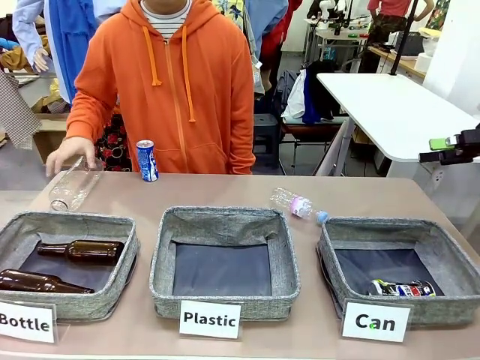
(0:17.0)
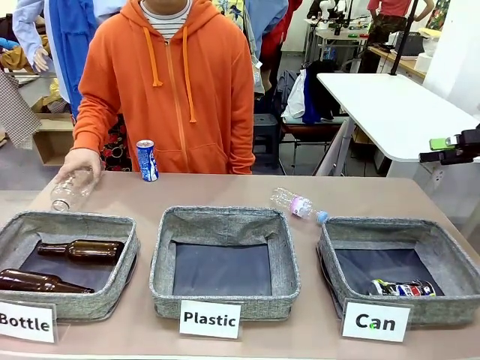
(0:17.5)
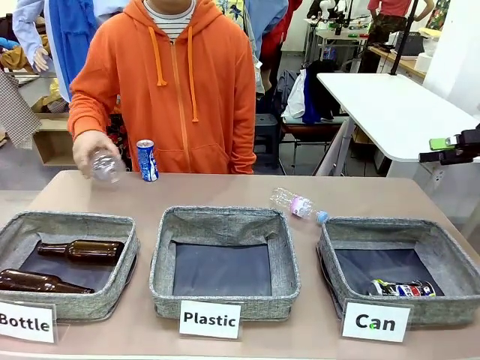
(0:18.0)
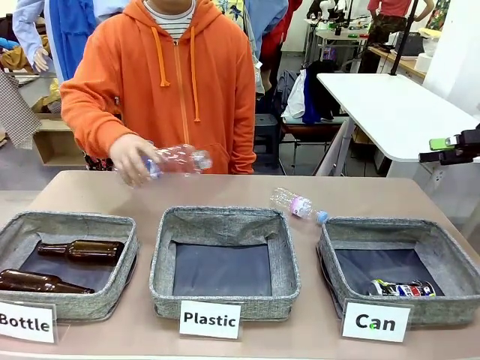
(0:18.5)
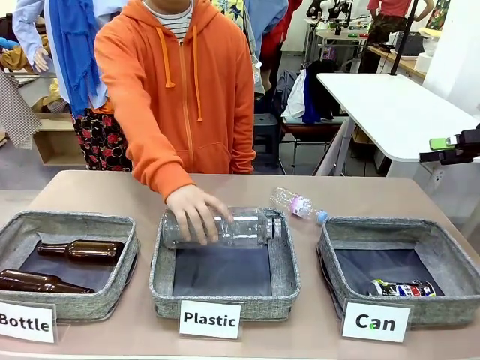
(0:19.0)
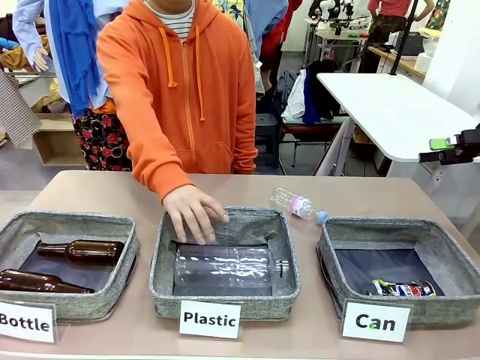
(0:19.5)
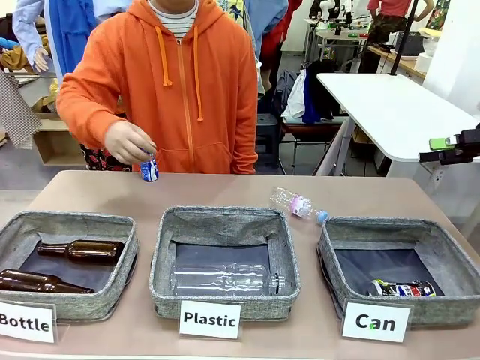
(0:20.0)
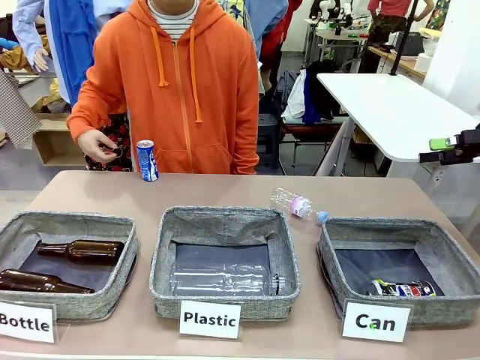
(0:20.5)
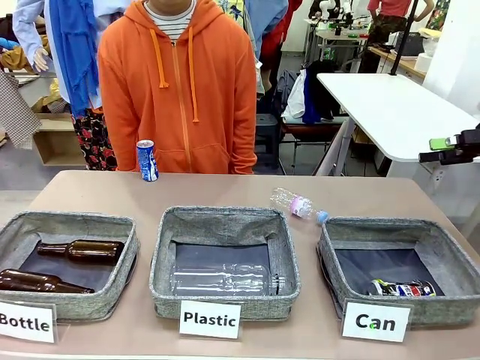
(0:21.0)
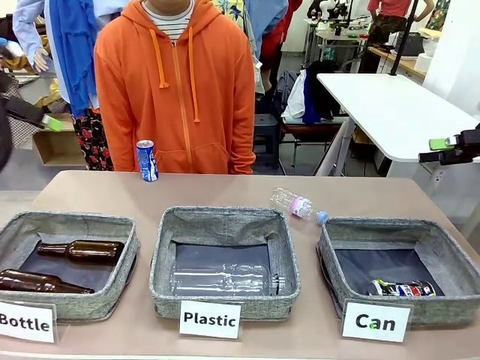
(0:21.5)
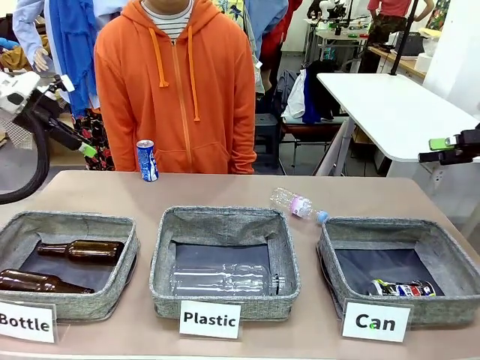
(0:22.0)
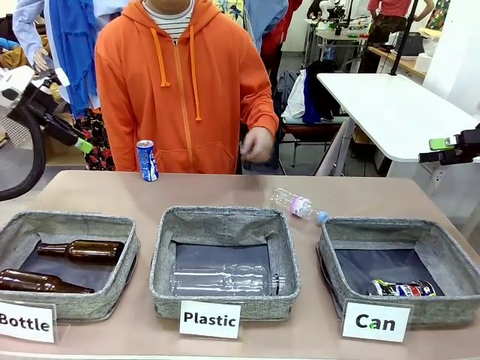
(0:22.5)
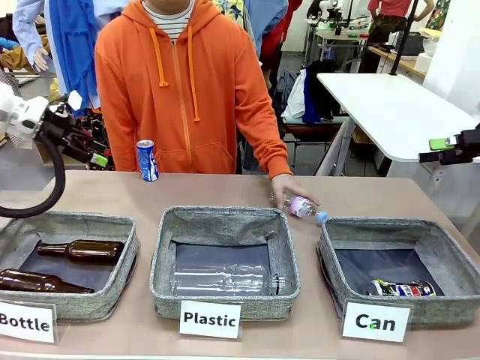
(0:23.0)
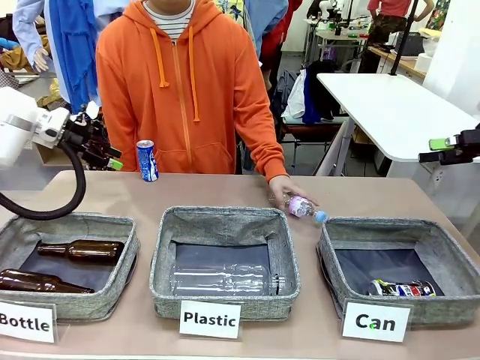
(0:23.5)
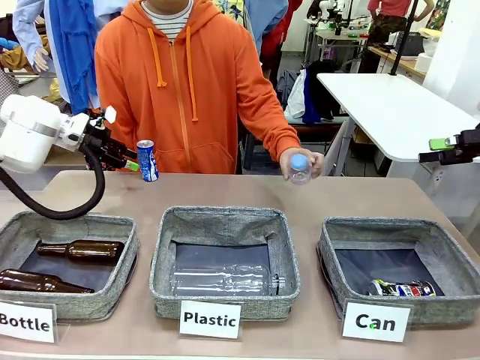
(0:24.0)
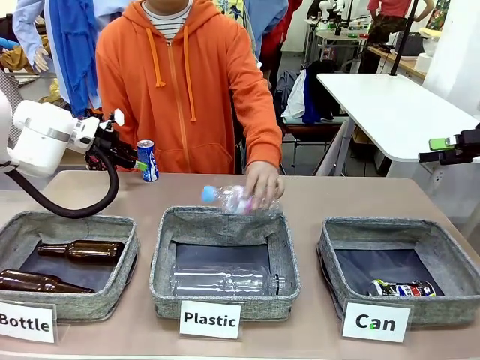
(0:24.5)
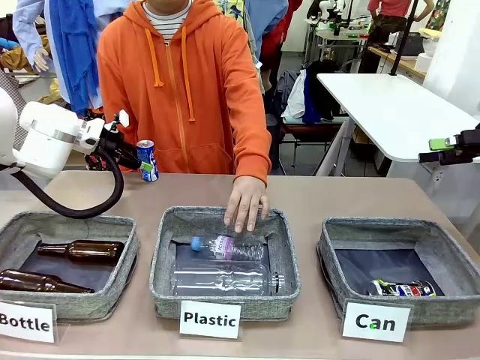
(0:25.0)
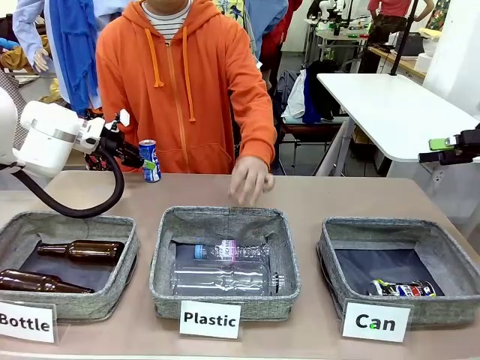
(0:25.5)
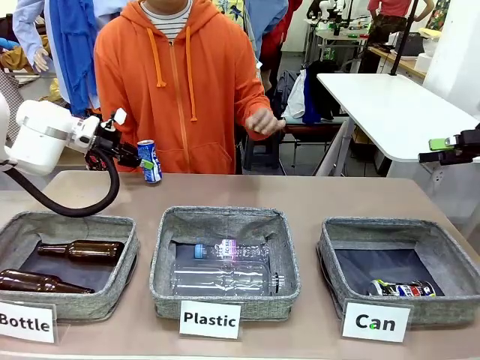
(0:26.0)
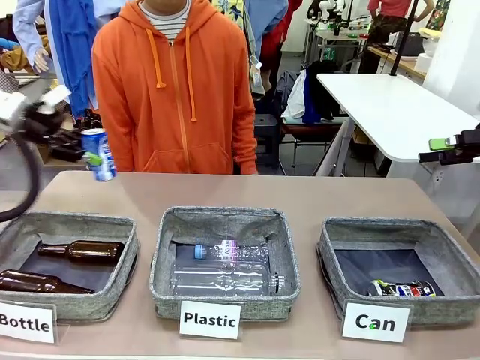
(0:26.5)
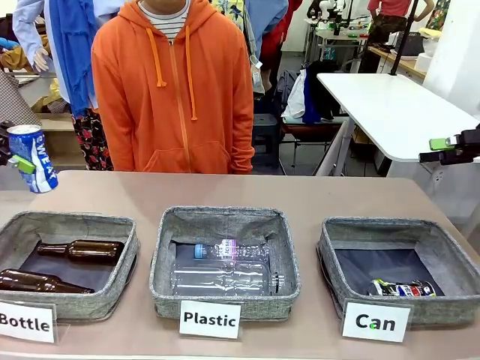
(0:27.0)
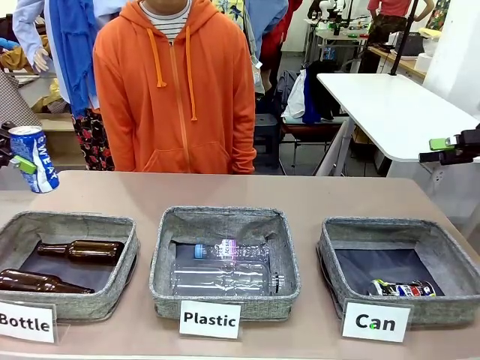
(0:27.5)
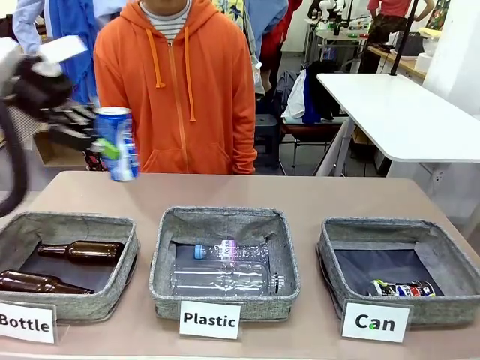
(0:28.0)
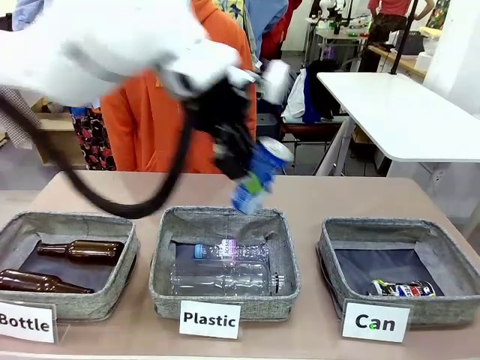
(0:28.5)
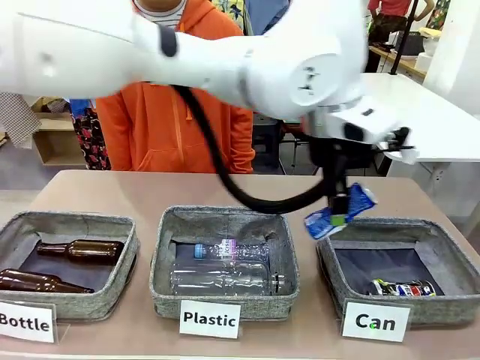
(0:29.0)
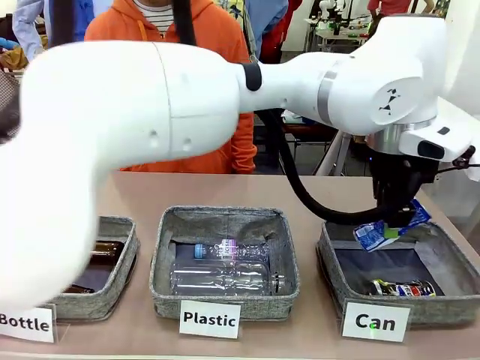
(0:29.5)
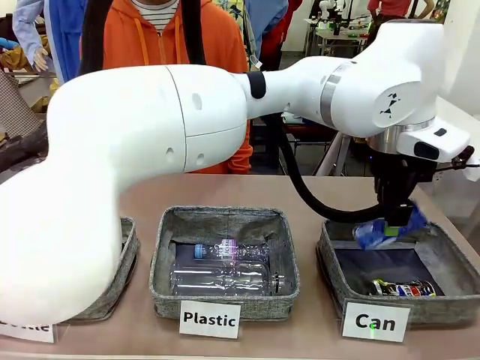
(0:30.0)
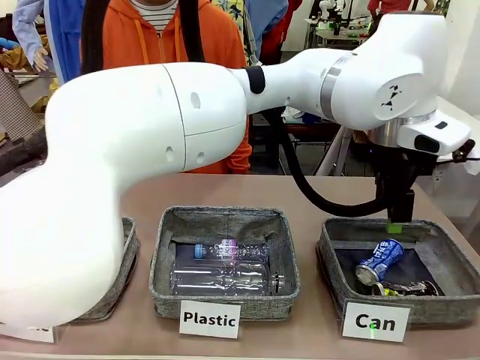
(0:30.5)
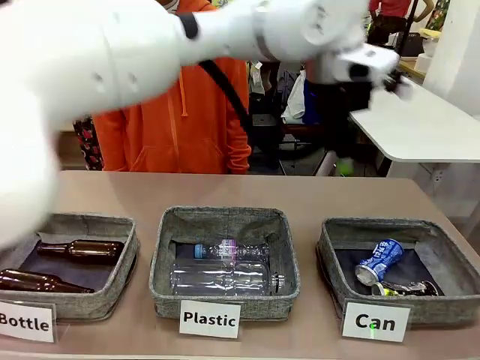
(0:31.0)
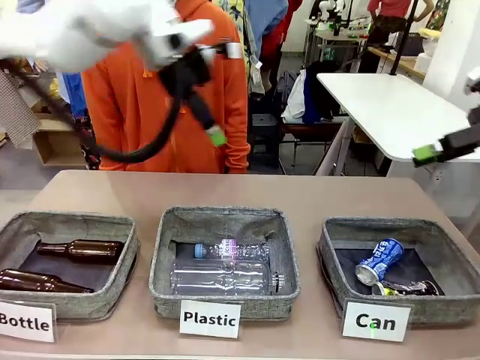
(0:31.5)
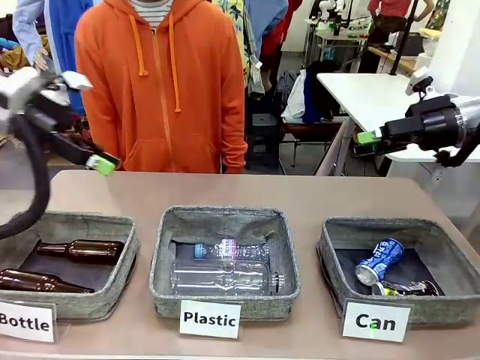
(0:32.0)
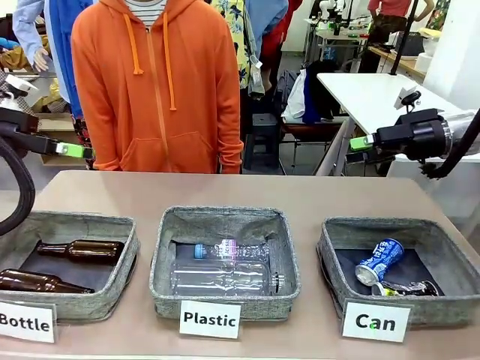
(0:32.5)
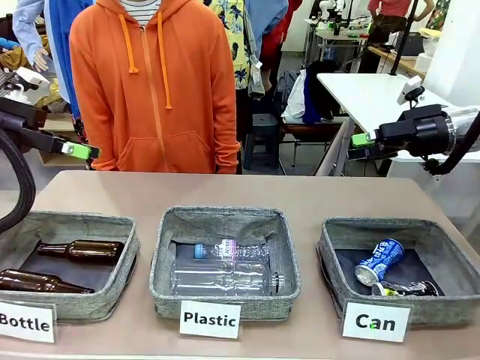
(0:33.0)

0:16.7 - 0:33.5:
Task: Sort the can waste into the basket.
Robot: Pick up the can waste from the table and place it in the right Fabric basket.
Person: The human picks up one piece of trash that is not a can and places the trash into the appropriate organizing basket.

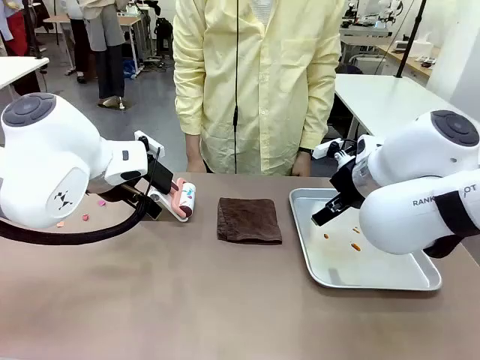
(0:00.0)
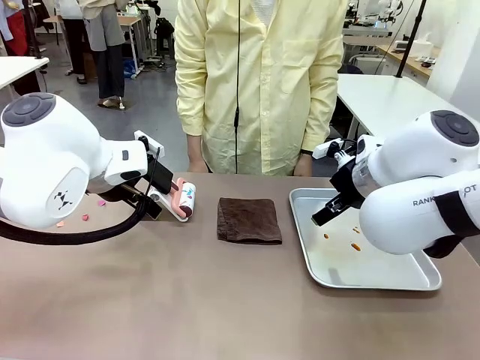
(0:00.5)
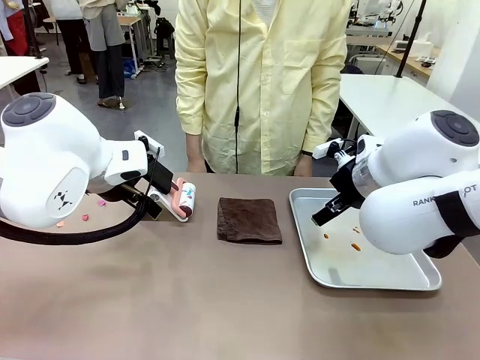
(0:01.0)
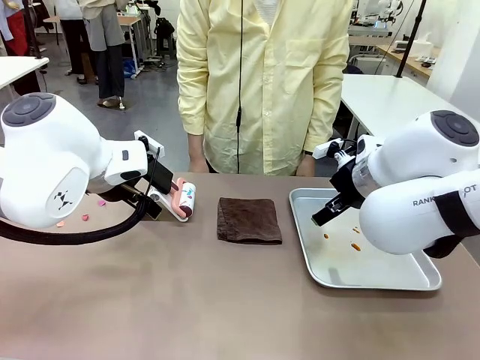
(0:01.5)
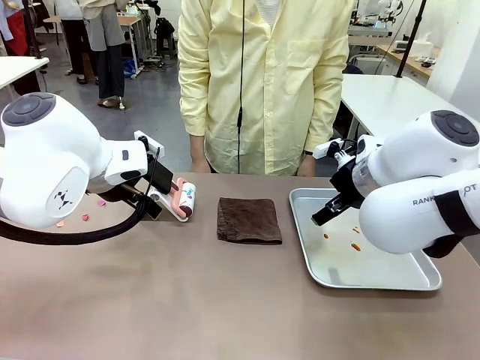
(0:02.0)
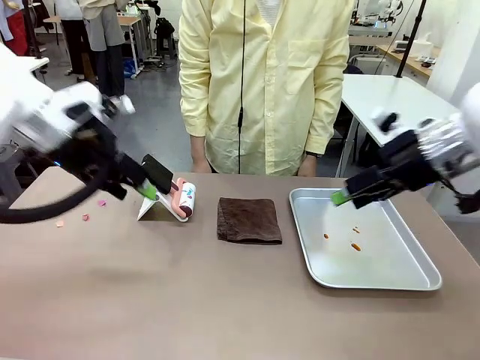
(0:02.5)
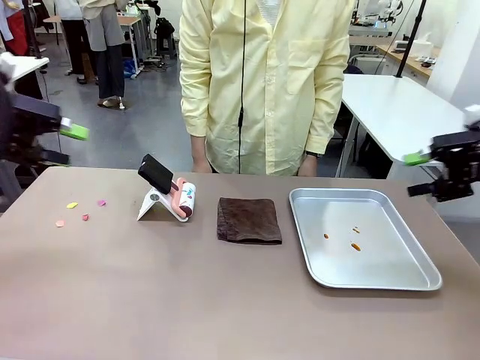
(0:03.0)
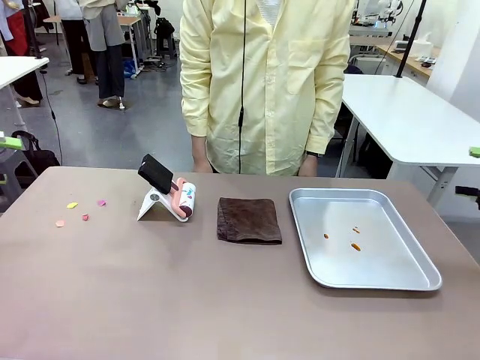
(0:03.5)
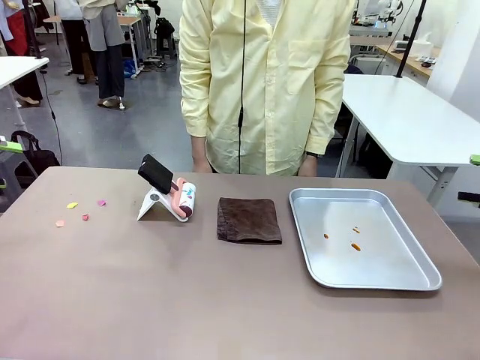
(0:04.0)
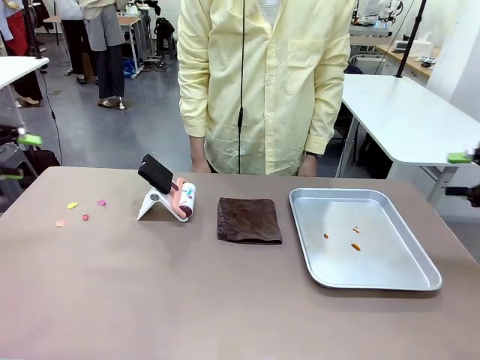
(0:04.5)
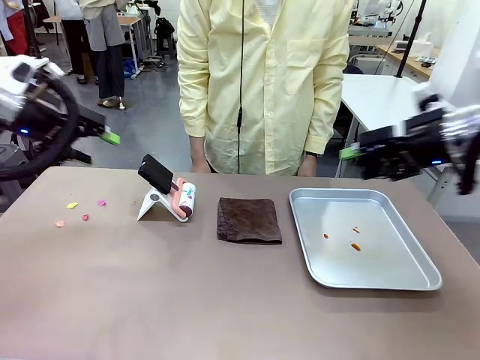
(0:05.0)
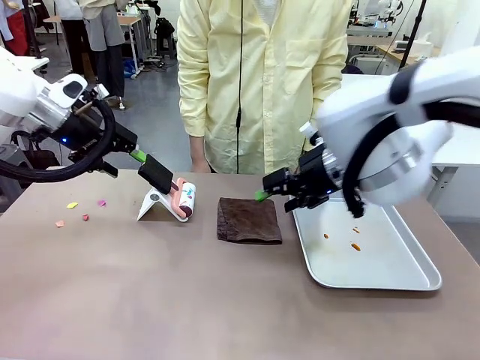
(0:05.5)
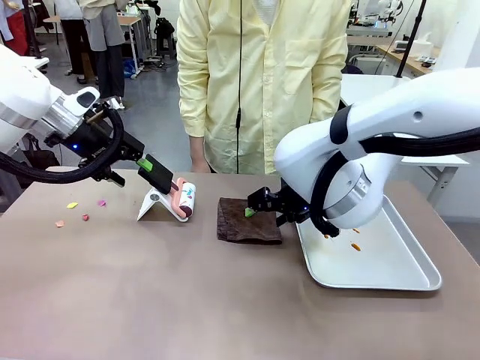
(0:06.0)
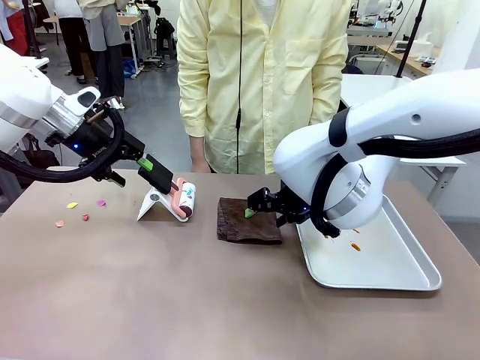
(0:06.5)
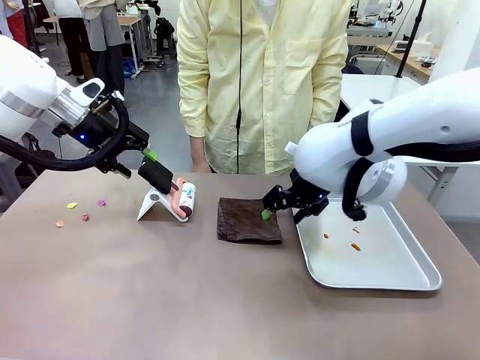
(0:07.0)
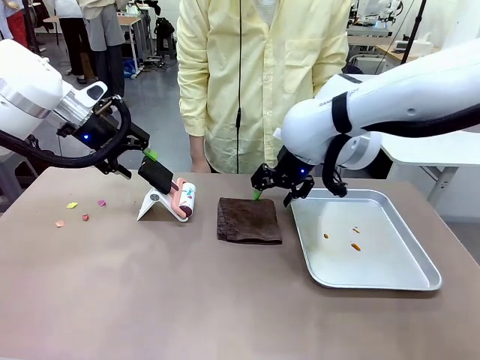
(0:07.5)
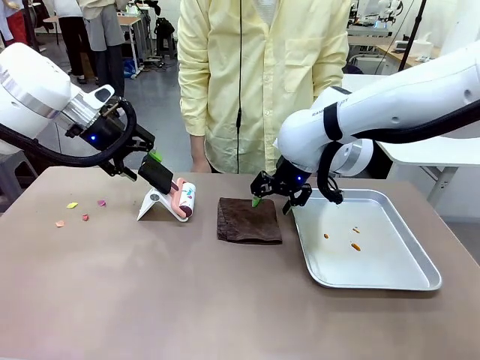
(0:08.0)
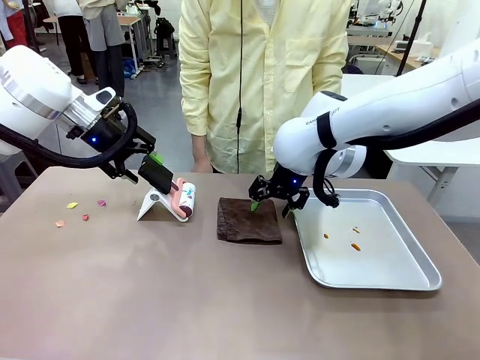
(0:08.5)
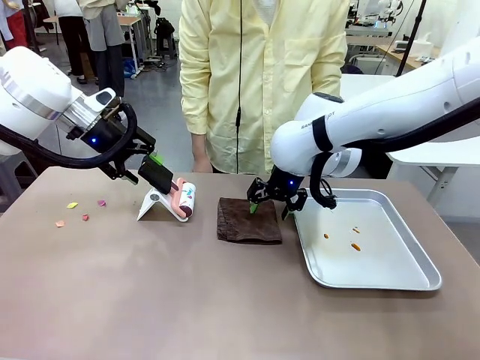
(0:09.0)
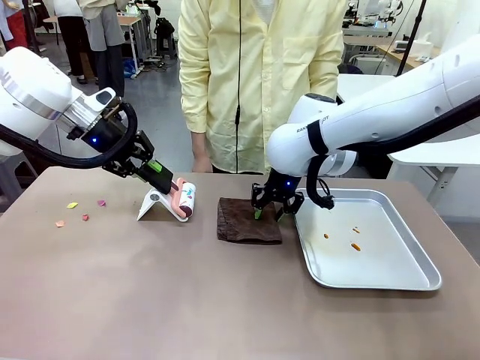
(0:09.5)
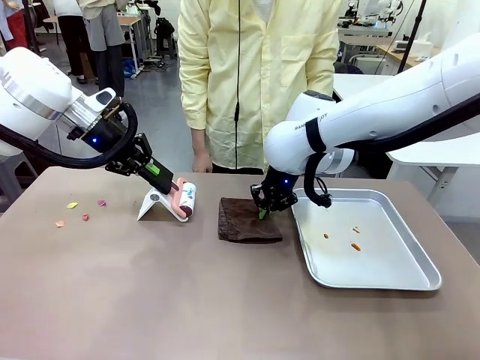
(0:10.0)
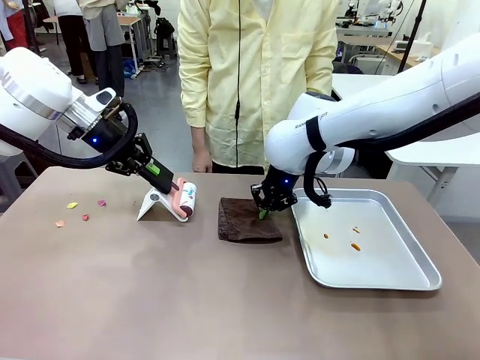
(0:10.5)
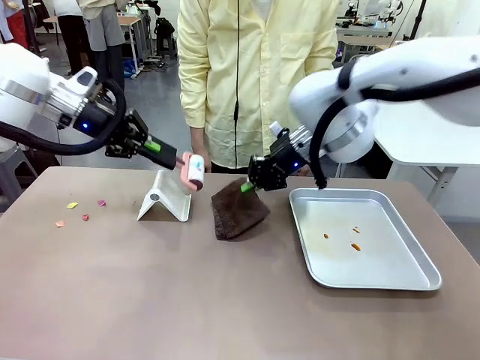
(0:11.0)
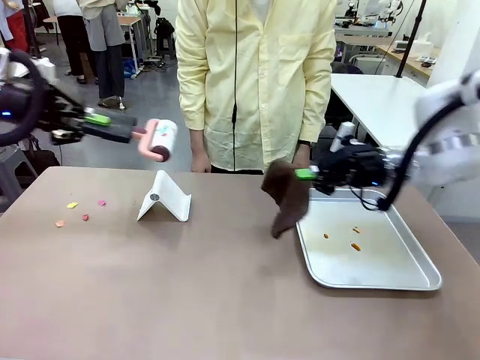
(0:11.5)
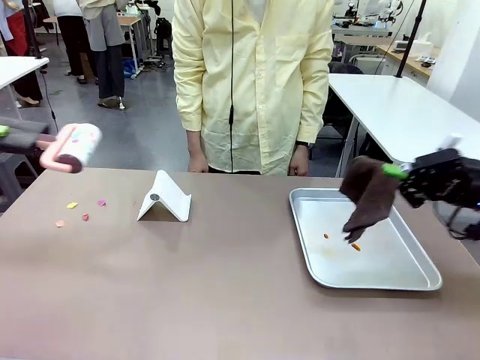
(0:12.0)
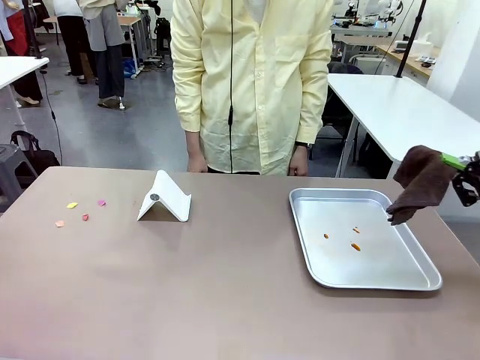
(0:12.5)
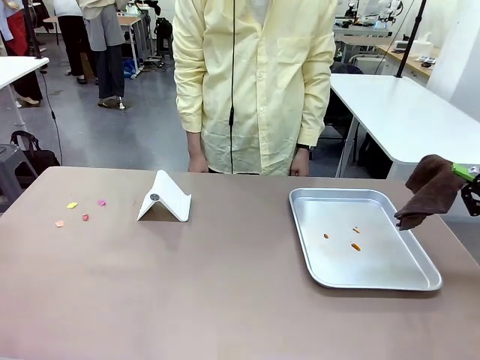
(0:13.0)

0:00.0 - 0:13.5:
Task: Clean the surface of the table.
Robot: Hold the Lint Roller with your left hand and the towel with your right hand.
